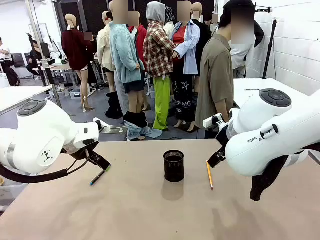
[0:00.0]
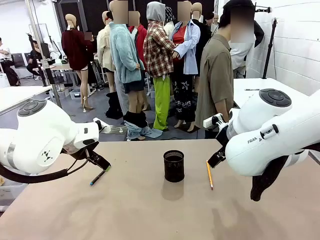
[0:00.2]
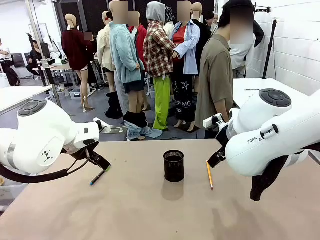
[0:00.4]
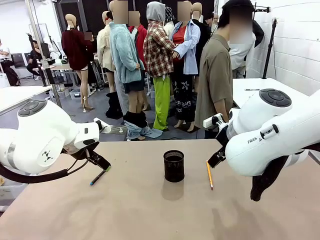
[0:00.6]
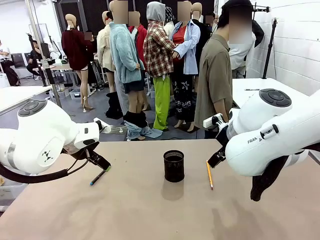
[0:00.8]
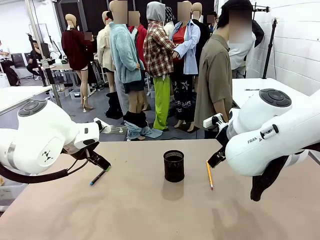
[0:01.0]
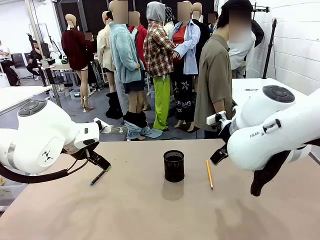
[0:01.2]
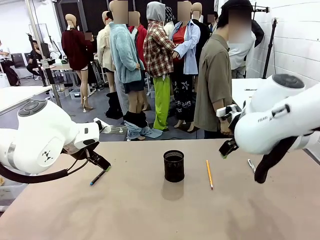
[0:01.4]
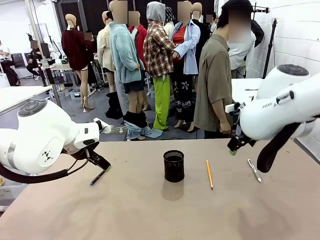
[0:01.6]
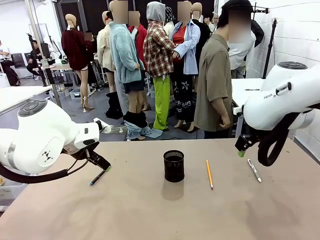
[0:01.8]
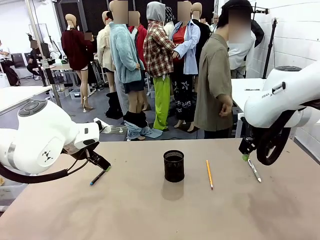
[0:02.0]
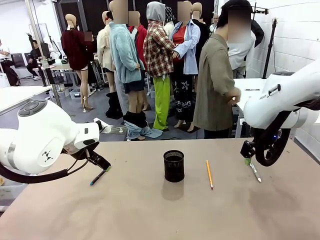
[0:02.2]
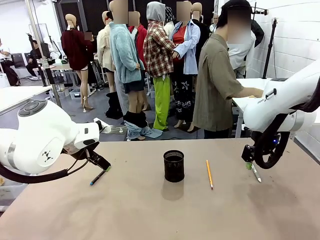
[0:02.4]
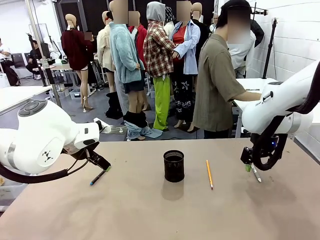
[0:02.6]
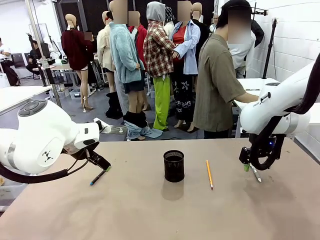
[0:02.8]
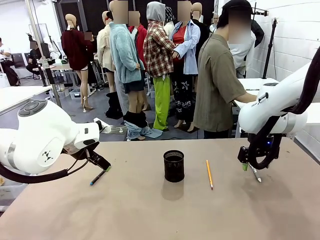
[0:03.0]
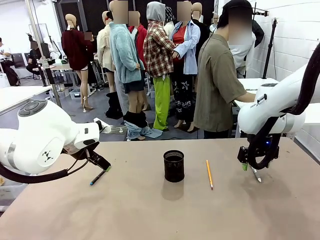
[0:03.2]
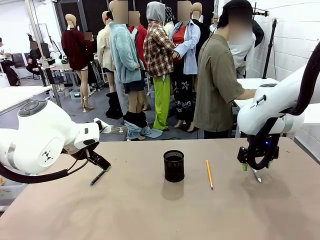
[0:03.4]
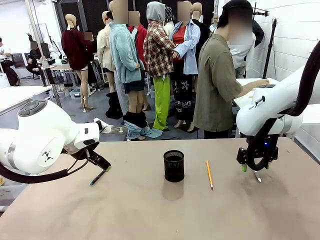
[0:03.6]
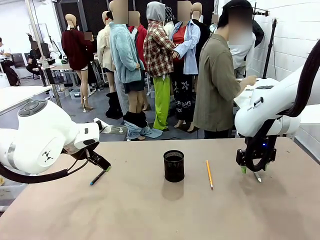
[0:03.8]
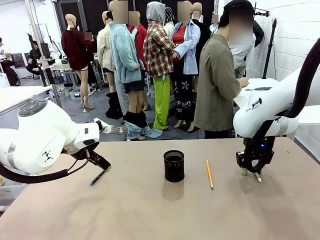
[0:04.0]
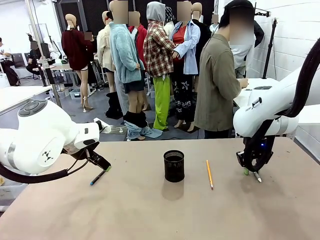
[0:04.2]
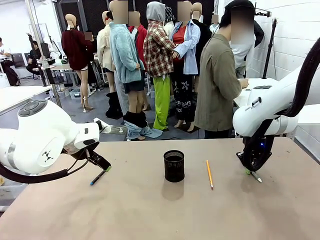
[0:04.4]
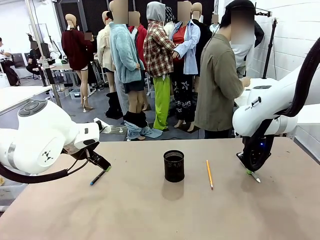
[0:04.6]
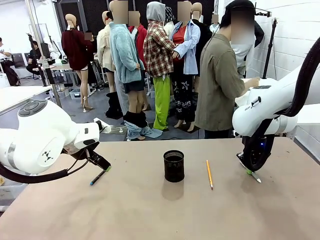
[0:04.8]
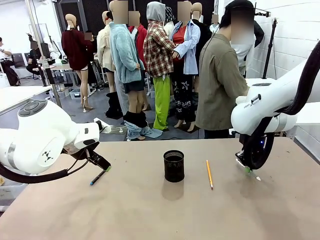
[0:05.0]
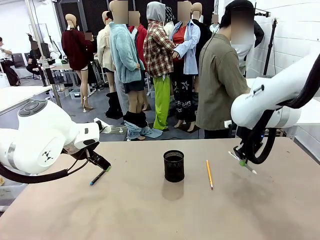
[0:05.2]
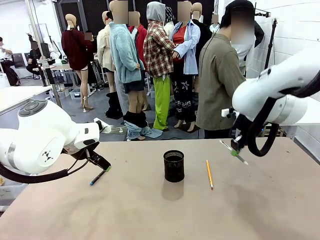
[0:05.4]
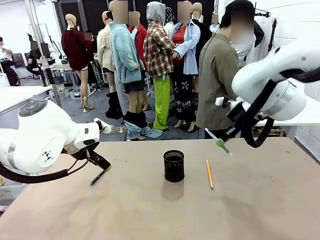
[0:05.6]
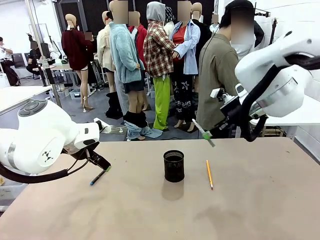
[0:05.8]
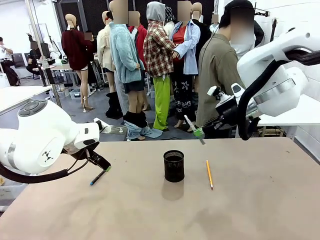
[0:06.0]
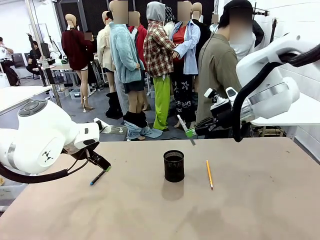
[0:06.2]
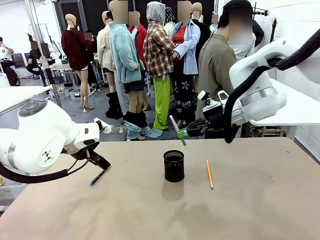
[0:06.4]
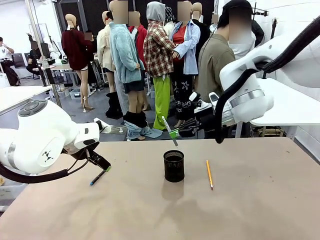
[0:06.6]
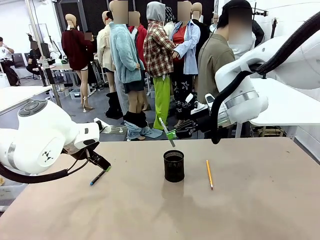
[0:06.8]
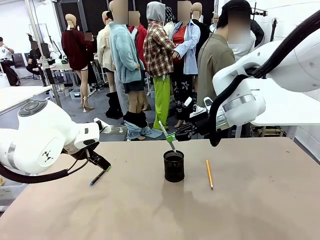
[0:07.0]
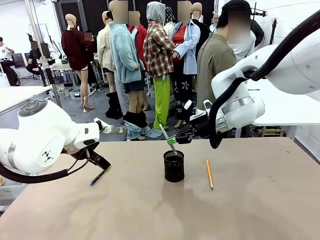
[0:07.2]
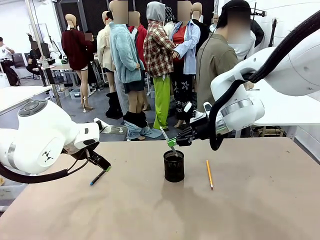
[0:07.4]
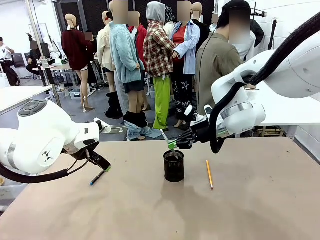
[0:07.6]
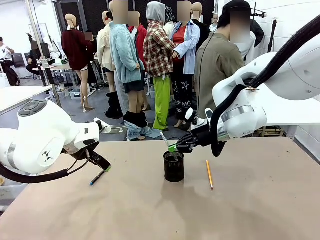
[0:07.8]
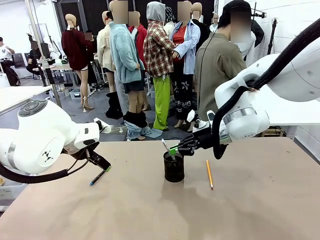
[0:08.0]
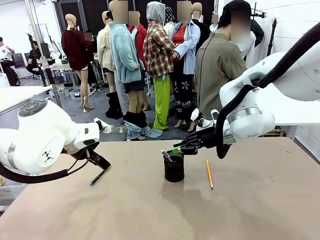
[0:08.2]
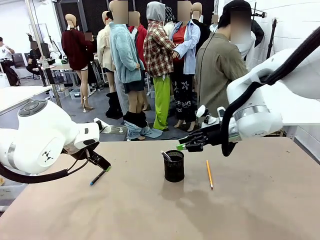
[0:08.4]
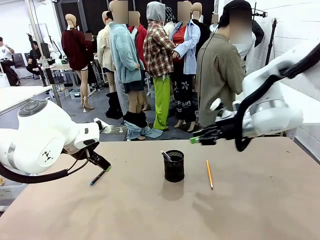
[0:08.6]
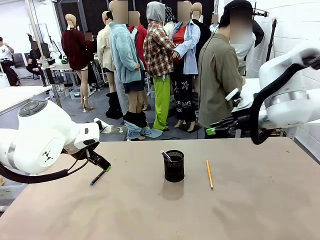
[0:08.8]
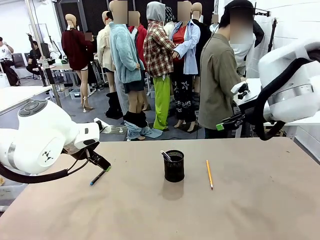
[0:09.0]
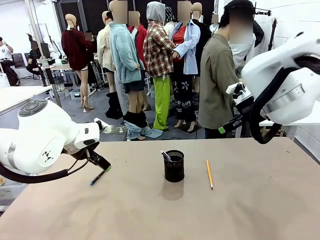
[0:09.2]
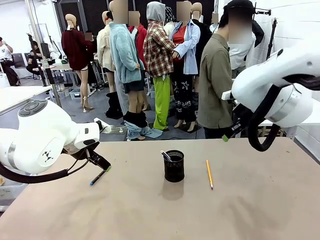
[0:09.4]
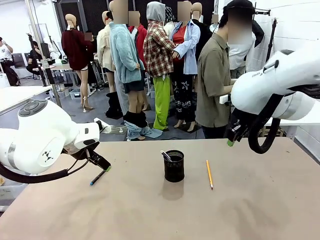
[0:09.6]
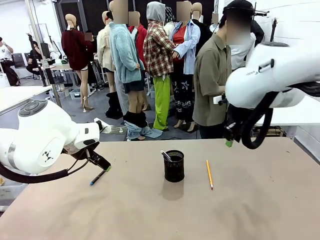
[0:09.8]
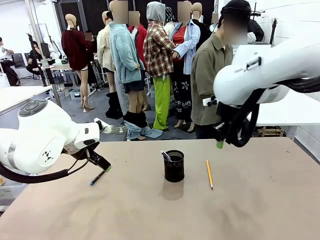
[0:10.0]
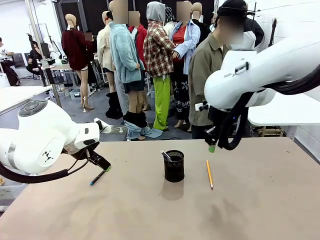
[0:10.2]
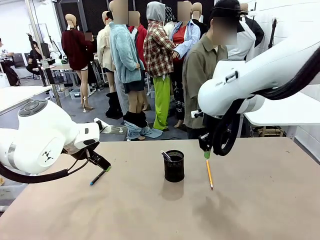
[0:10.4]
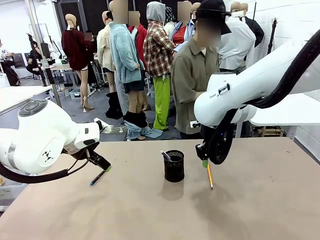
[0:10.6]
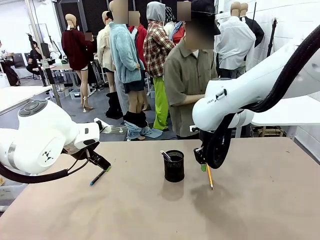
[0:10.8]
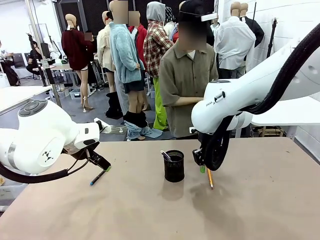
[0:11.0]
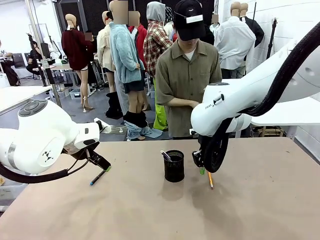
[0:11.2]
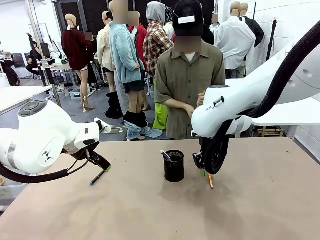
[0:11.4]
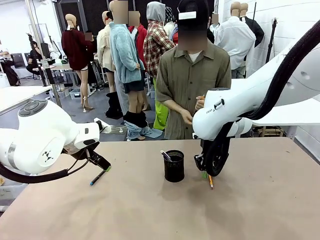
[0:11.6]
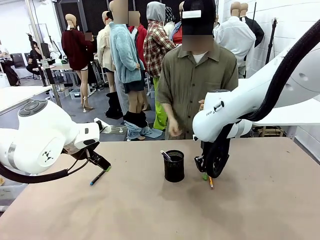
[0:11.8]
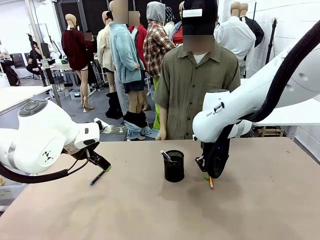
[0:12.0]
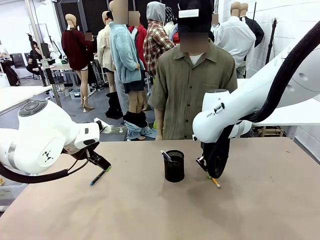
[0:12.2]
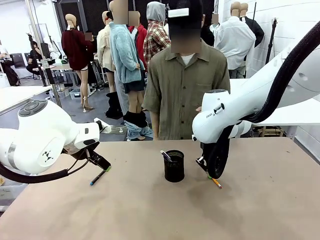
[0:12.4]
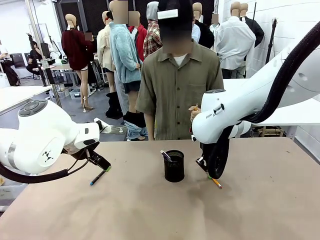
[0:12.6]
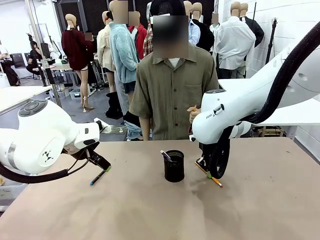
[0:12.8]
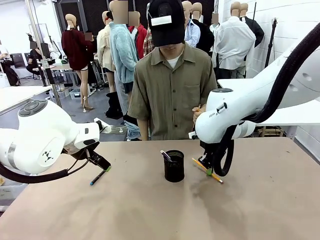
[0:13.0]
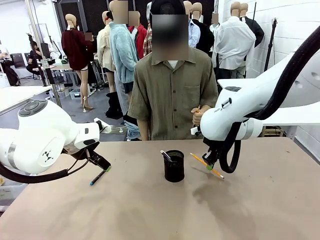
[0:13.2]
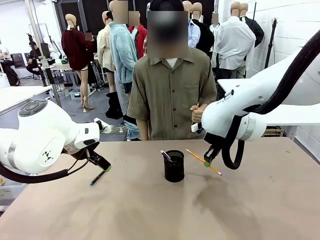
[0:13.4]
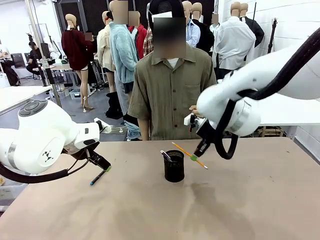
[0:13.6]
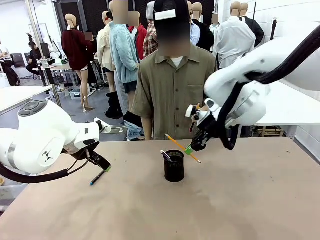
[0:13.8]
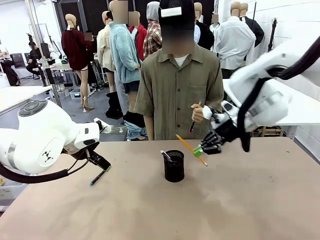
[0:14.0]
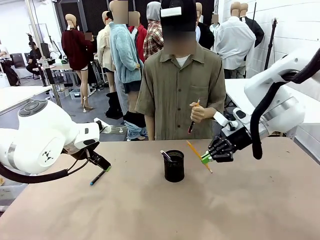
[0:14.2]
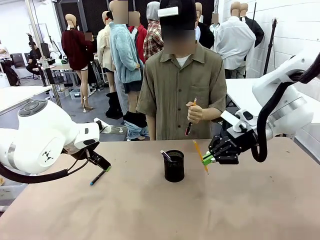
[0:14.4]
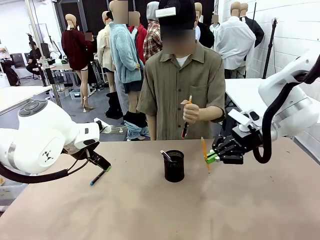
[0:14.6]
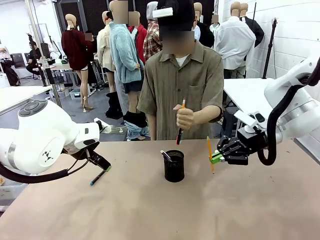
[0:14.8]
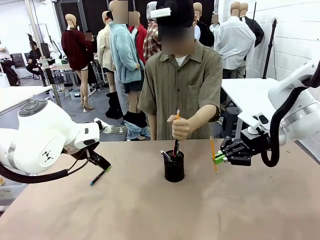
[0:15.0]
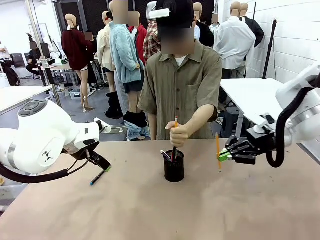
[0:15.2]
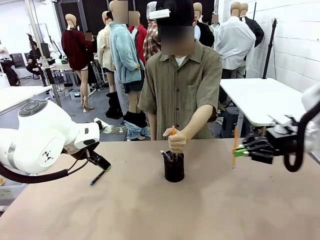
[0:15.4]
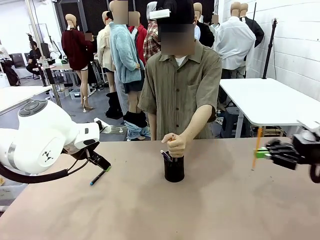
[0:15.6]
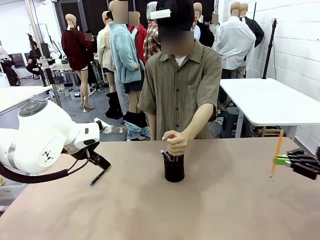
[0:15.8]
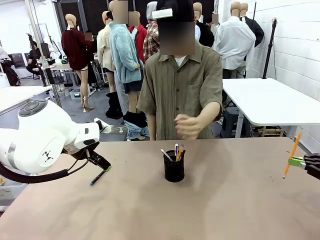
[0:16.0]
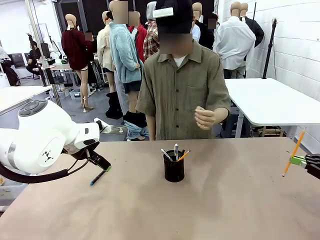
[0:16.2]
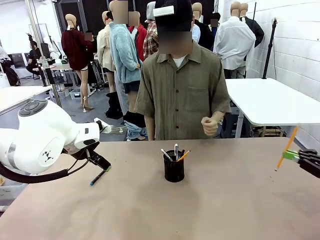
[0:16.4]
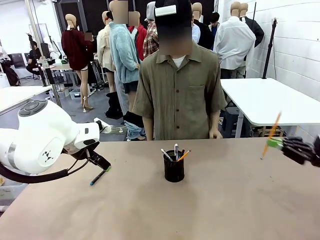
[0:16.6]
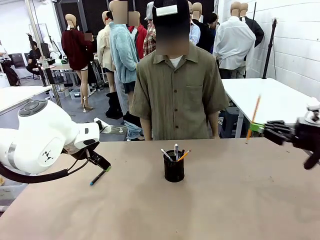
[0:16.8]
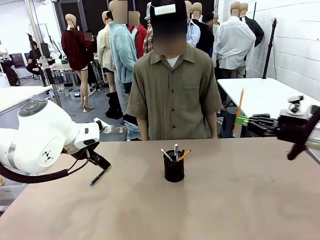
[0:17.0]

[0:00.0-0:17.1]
Task: Place the pens into the pen holder.
Robot: Pick up a writing instrument from the table and place it into the Pen holder.
Person: Pick up all writing instruments from the Human table.
